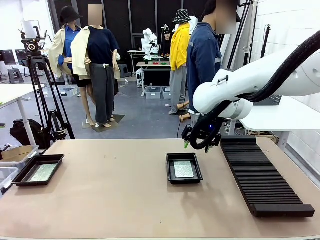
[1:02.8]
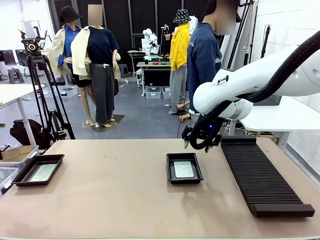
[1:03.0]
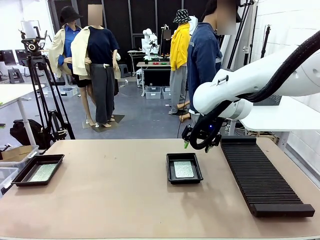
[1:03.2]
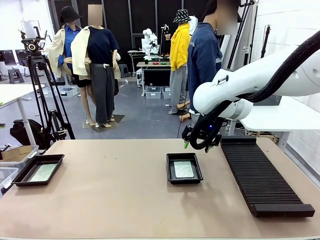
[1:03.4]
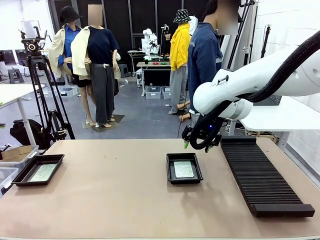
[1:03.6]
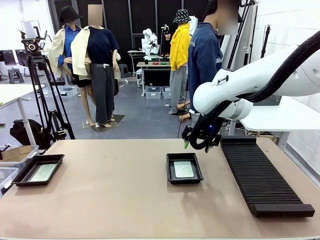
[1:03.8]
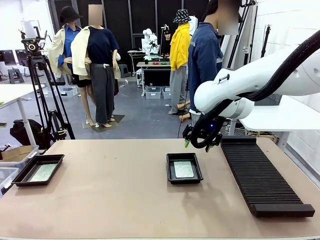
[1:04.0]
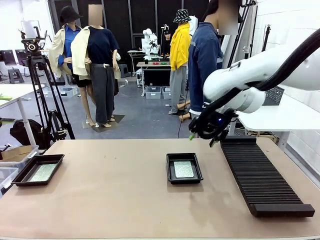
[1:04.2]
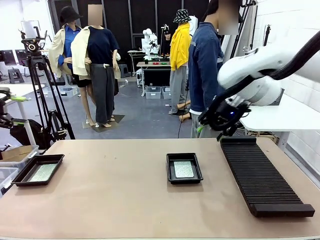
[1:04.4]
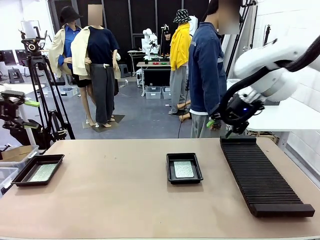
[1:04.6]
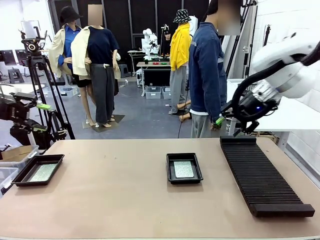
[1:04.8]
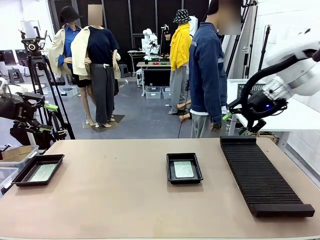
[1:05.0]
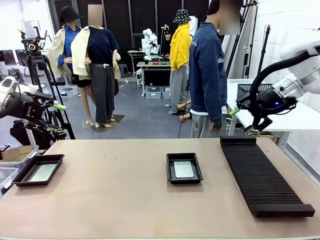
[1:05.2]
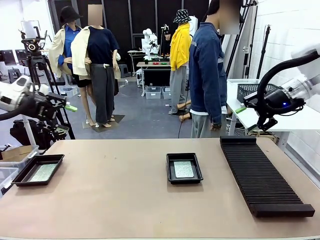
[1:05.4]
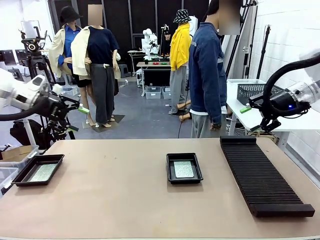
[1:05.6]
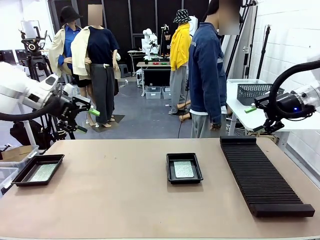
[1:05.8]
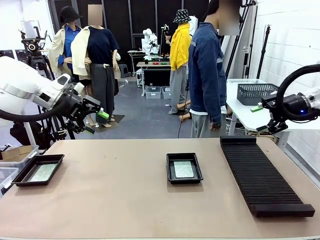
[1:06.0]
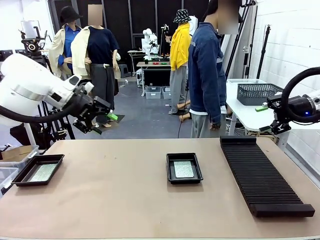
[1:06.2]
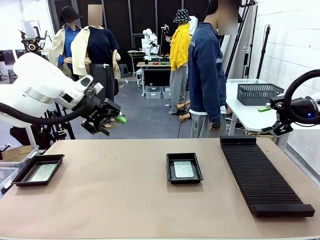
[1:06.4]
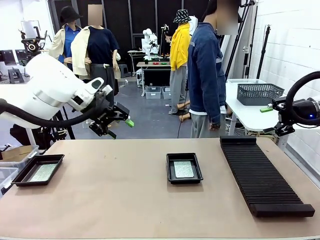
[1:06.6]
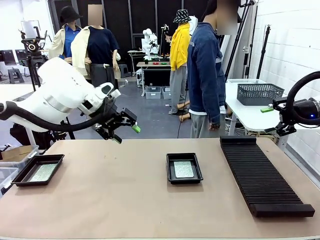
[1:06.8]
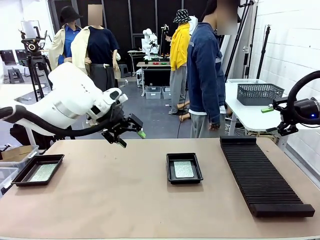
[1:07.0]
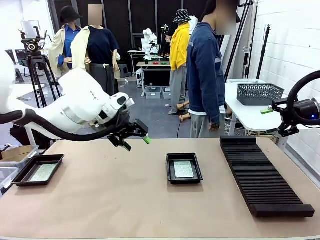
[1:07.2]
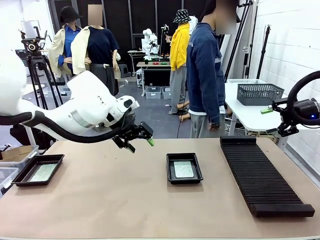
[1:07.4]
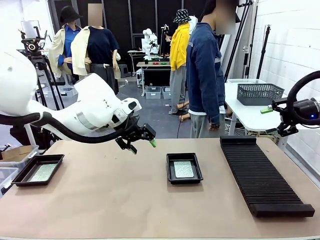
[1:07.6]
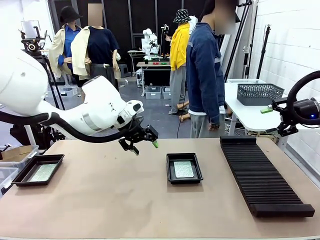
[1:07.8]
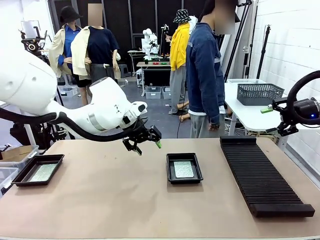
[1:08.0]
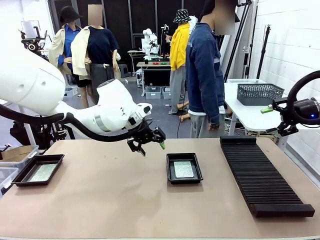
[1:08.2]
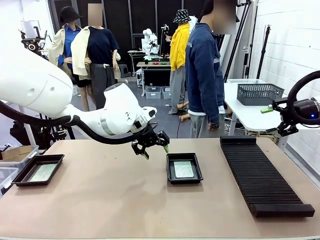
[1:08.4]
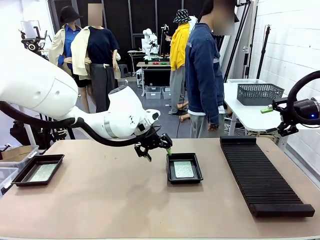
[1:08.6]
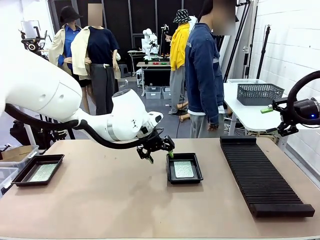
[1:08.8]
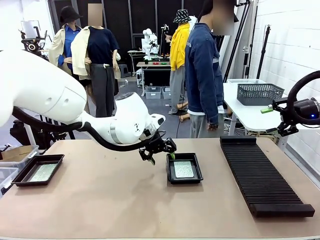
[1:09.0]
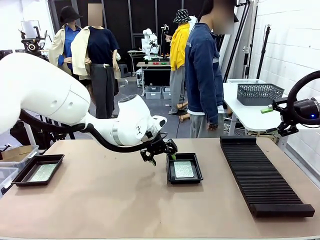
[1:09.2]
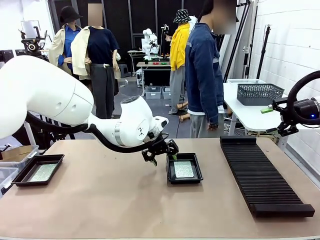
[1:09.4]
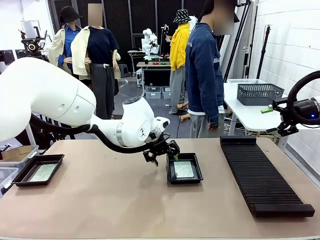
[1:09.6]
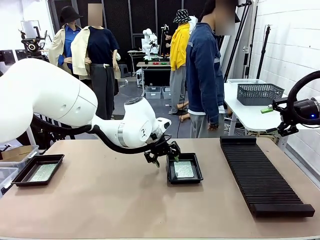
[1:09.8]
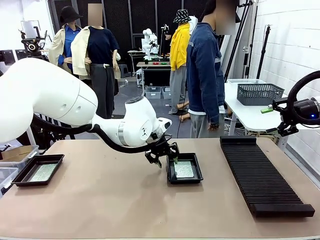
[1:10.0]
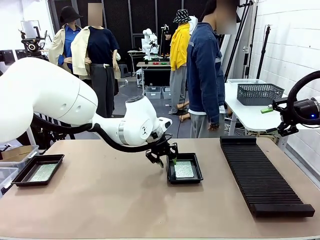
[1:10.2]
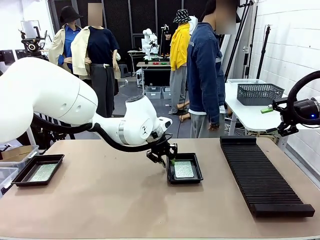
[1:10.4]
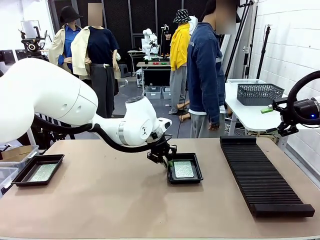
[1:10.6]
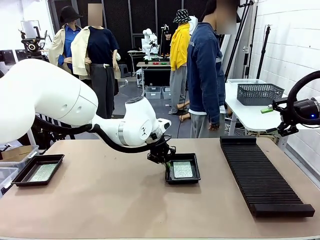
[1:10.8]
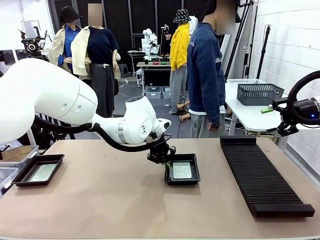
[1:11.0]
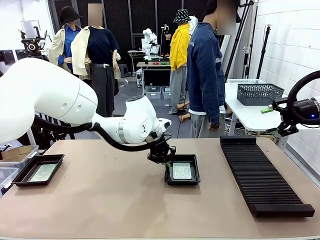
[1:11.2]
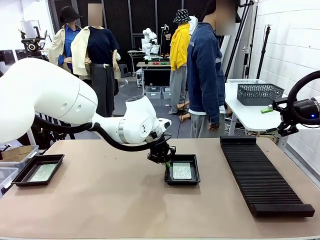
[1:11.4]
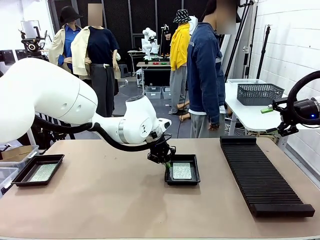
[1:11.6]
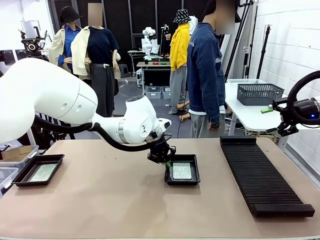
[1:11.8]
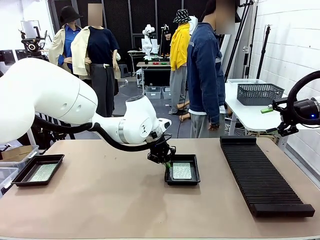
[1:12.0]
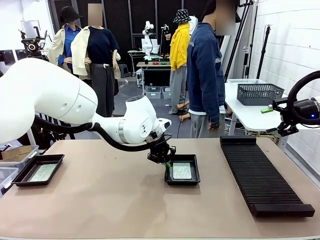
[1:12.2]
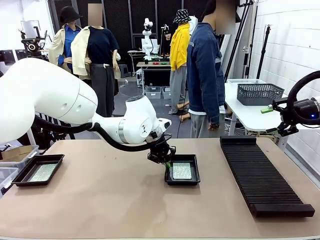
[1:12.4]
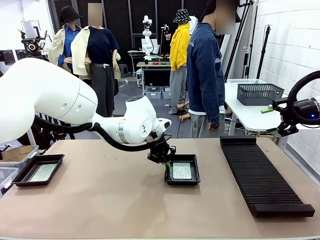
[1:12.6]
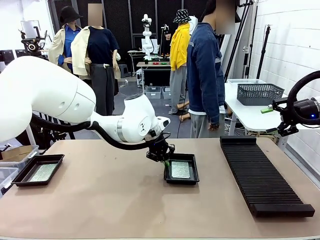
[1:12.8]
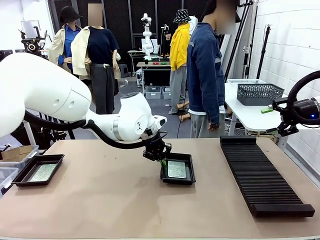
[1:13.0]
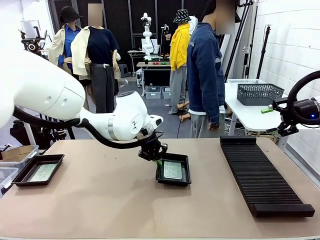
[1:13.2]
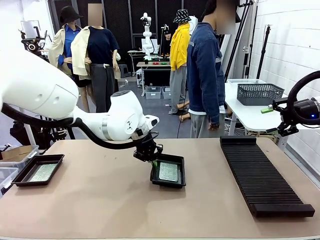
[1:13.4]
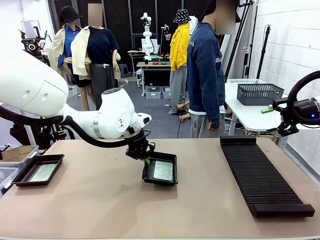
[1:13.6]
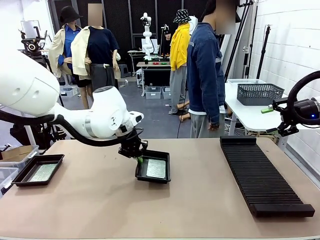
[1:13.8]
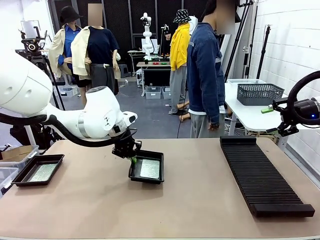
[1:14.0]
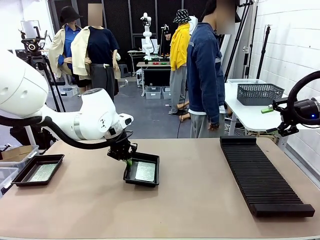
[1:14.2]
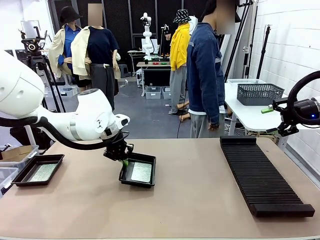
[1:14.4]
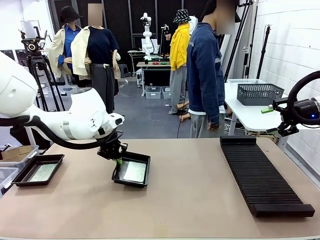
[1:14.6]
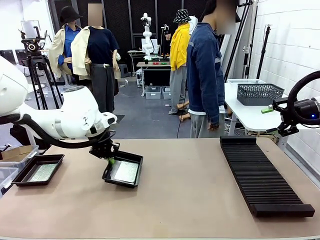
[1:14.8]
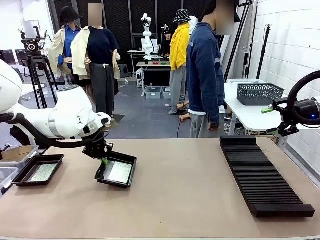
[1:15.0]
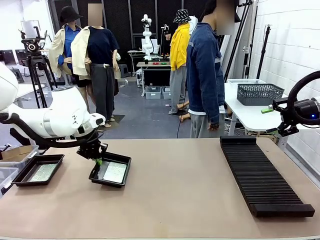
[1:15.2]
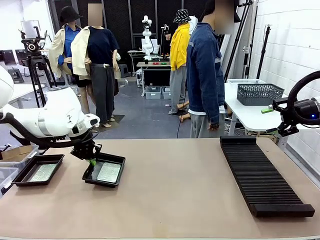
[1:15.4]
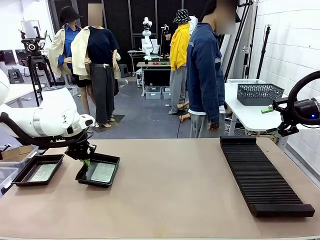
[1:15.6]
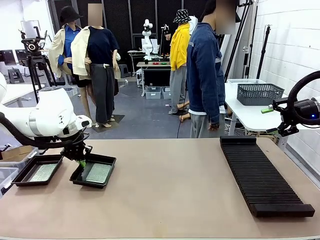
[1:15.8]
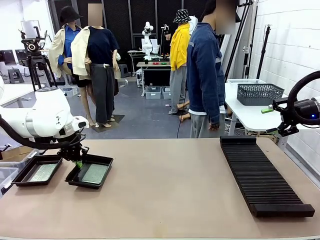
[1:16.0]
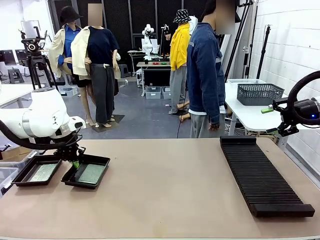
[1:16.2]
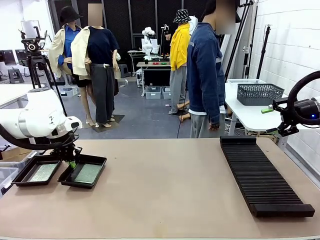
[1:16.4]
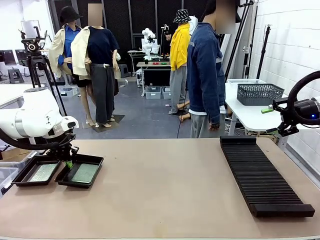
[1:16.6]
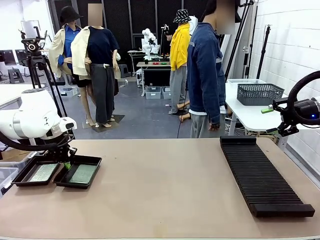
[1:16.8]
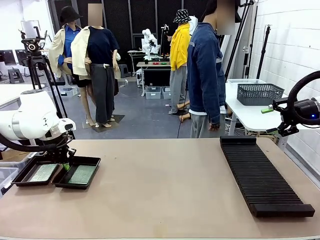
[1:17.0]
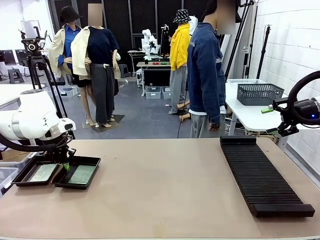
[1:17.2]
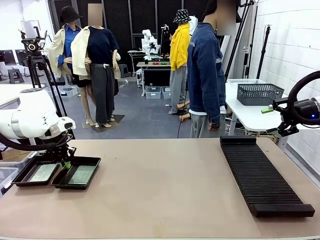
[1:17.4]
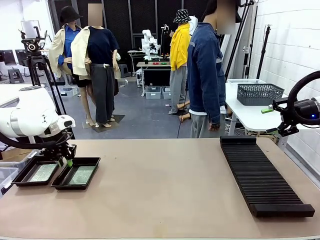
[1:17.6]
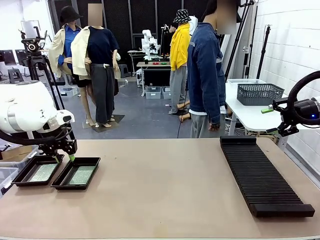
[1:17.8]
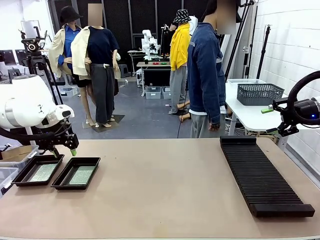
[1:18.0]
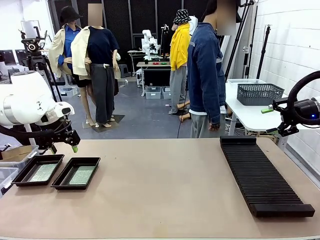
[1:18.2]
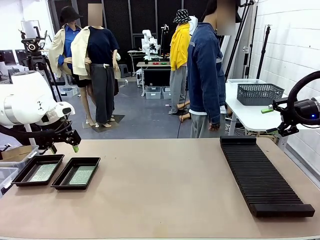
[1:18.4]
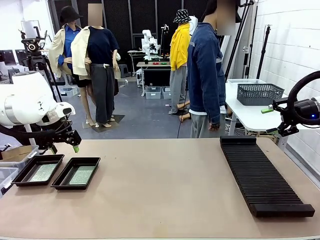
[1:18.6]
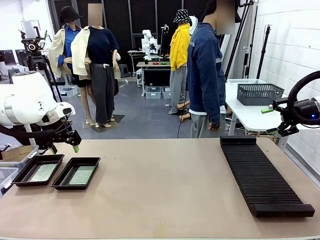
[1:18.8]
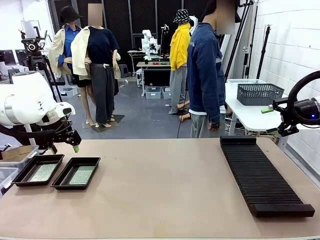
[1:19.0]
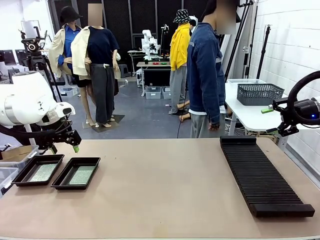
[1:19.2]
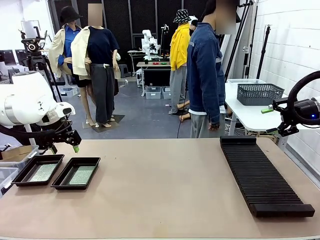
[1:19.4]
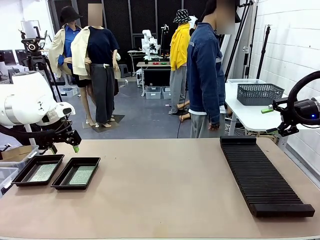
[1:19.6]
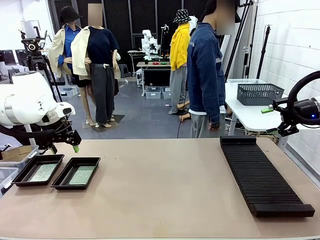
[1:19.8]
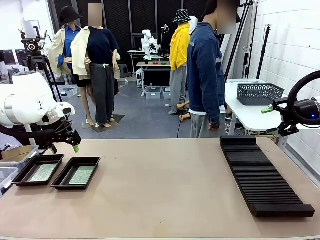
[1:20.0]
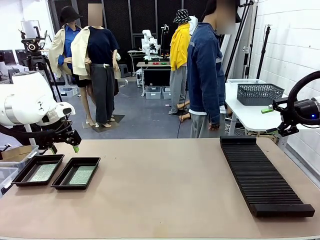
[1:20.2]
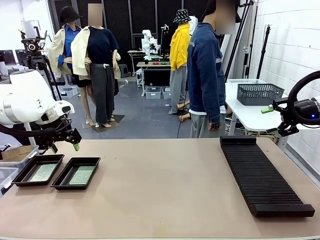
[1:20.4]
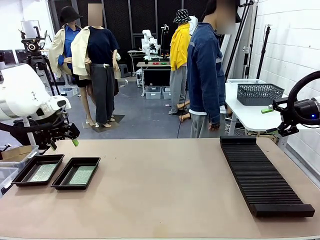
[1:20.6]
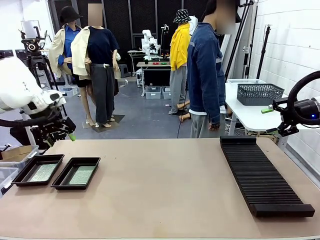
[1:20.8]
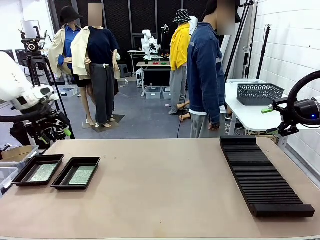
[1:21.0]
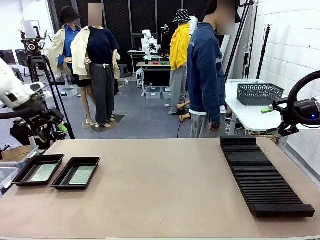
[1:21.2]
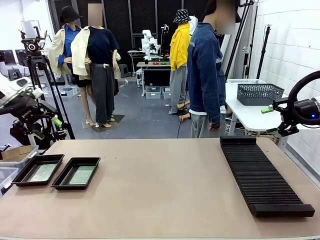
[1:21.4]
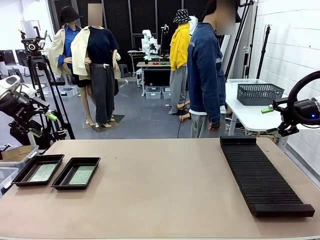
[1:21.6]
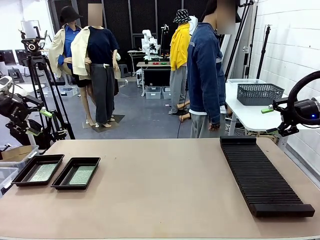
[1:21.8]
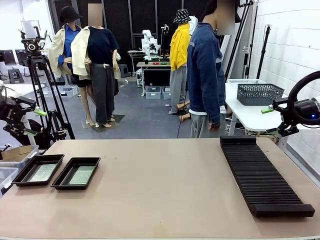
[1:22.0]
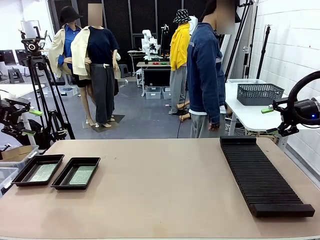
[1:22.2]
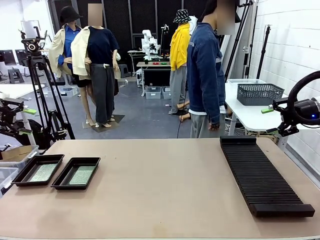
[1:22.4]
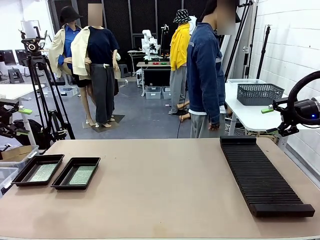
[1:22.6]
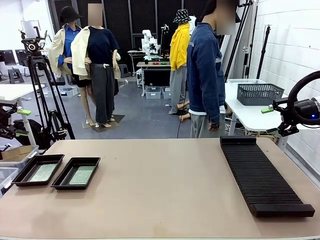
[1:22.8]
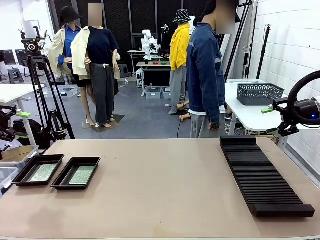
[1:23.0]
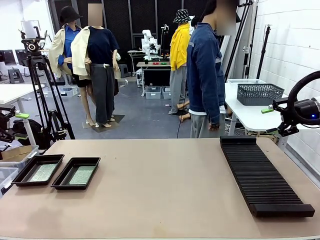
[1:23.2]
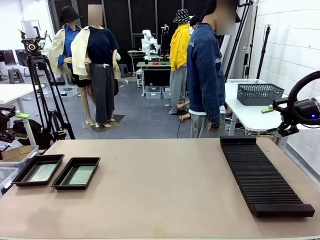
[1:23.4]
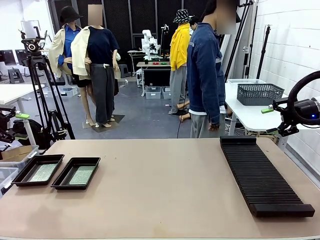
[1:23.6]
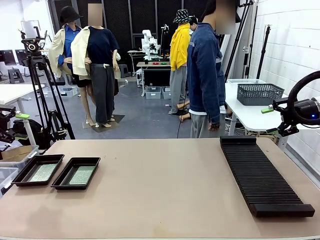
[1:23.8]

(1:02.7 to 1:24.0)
Task: Inspect and transfer BCBs to ESD trays.
Robot: Pick up the ESD tray and place it on the left side of the table.
